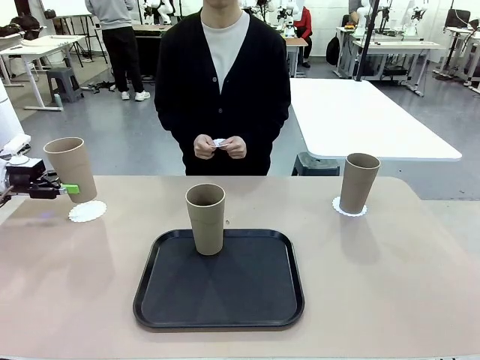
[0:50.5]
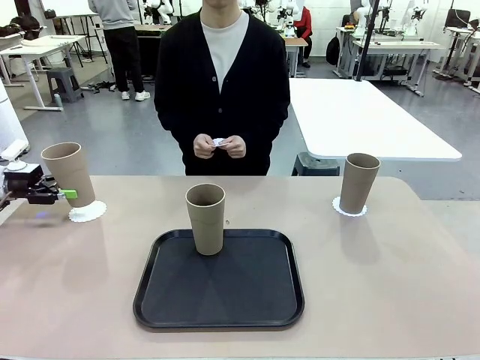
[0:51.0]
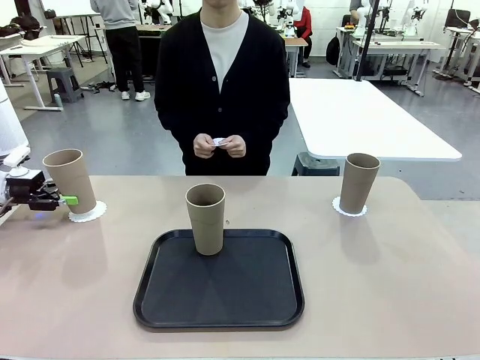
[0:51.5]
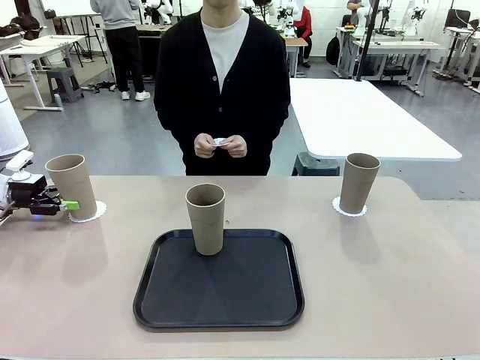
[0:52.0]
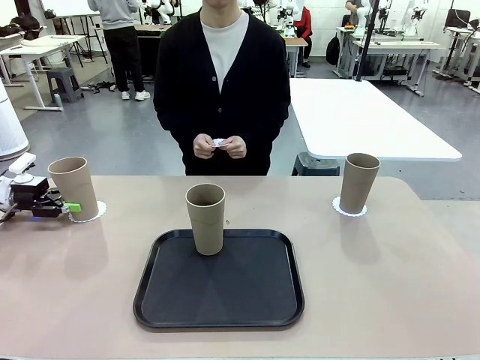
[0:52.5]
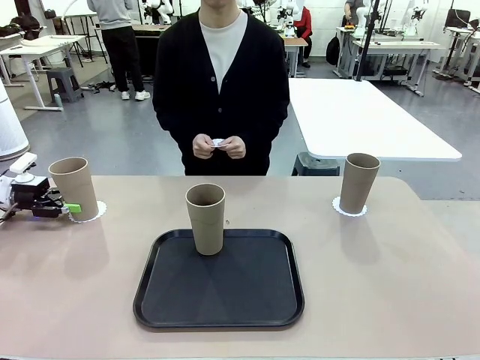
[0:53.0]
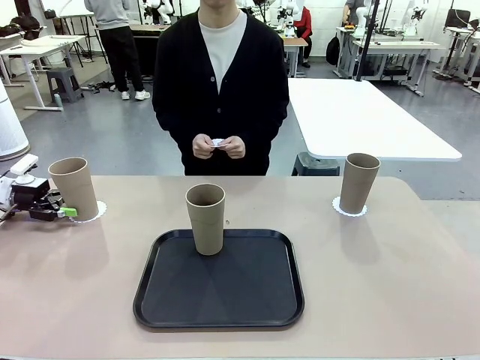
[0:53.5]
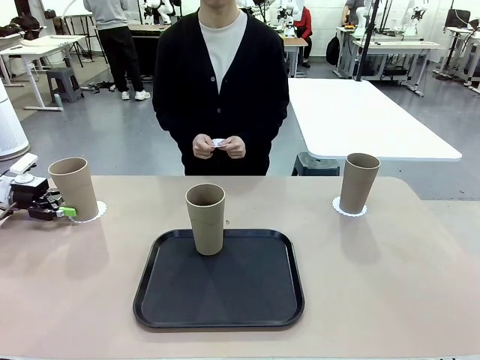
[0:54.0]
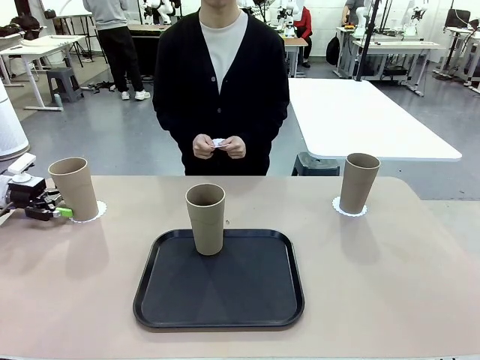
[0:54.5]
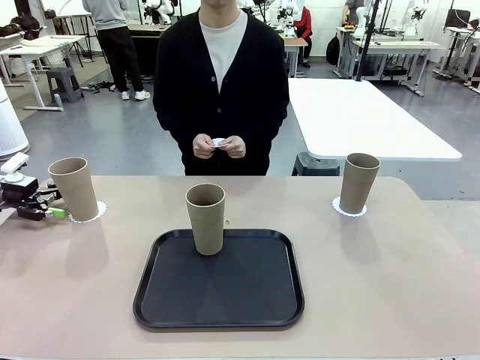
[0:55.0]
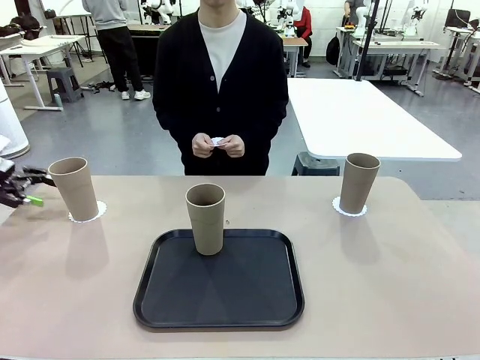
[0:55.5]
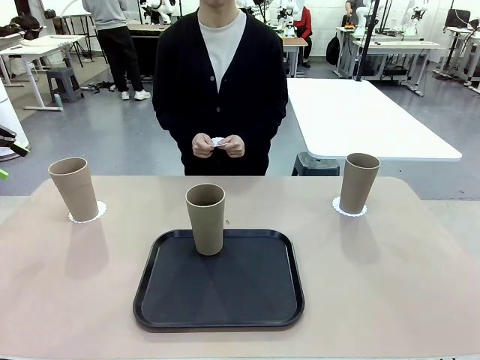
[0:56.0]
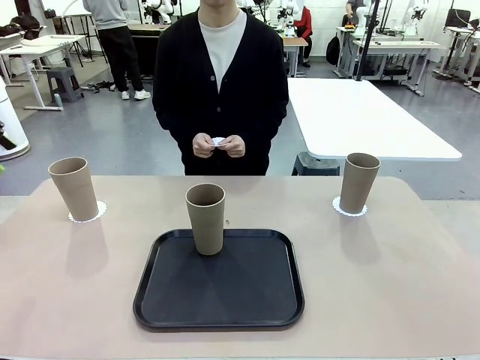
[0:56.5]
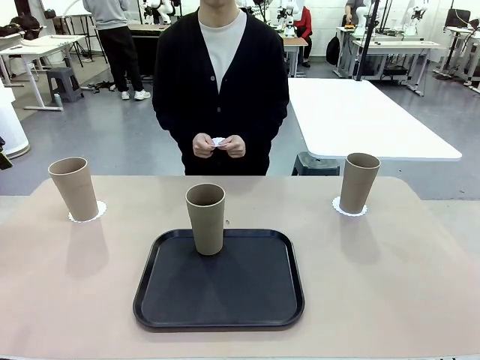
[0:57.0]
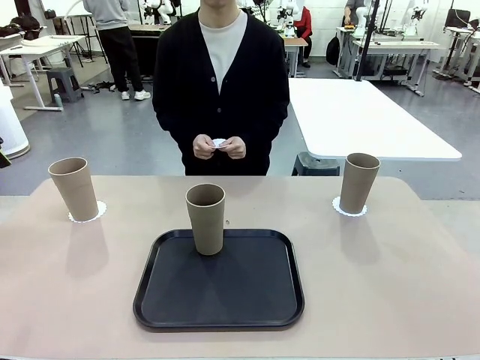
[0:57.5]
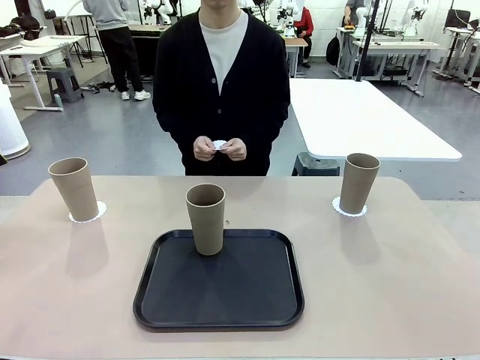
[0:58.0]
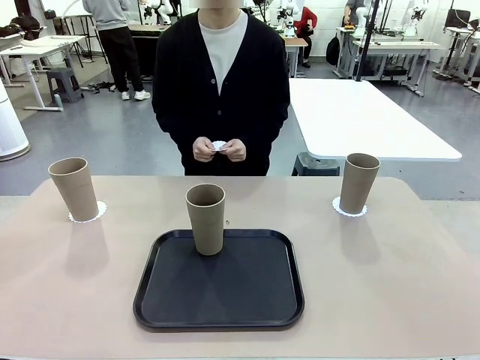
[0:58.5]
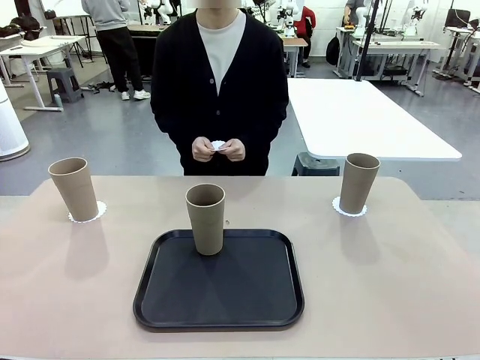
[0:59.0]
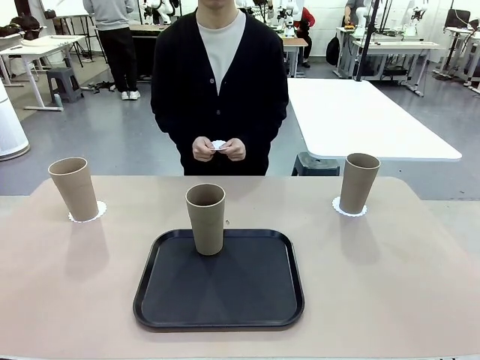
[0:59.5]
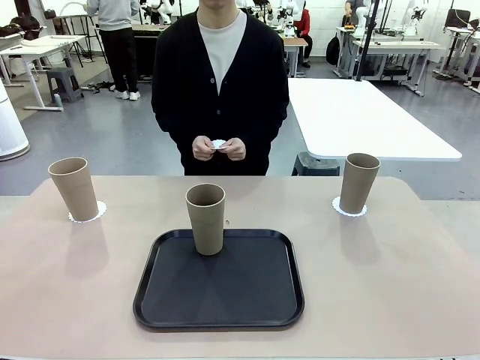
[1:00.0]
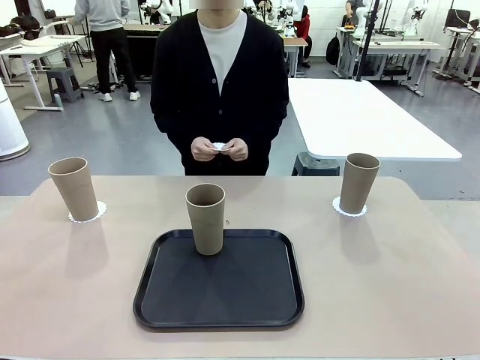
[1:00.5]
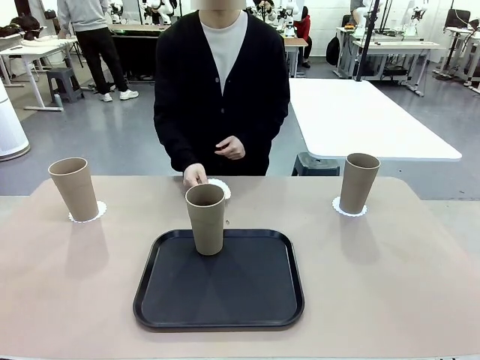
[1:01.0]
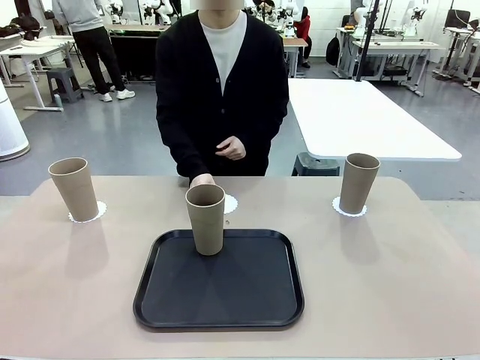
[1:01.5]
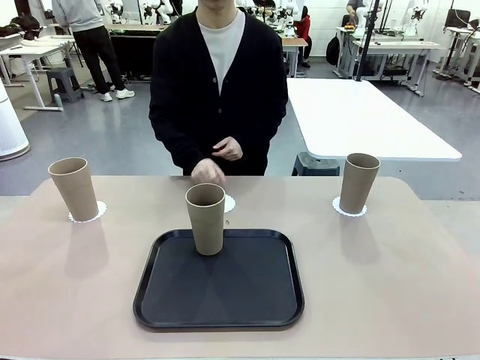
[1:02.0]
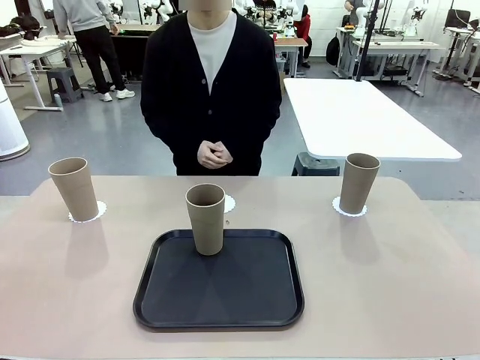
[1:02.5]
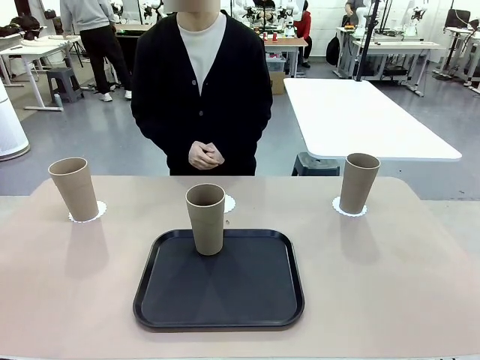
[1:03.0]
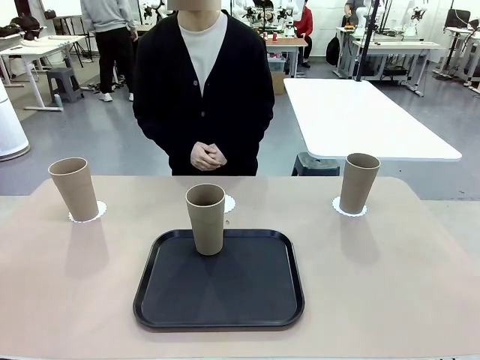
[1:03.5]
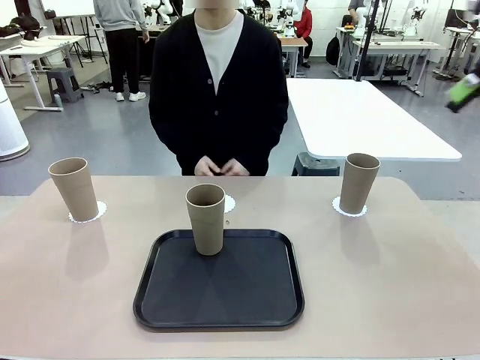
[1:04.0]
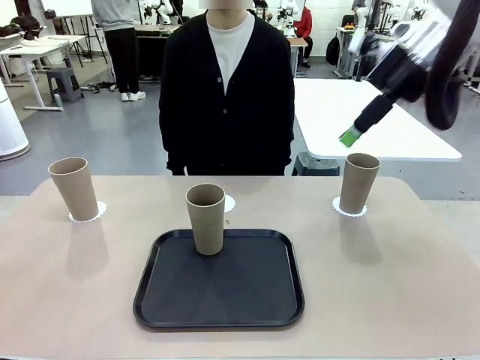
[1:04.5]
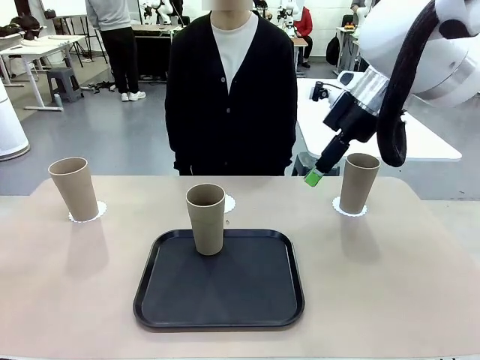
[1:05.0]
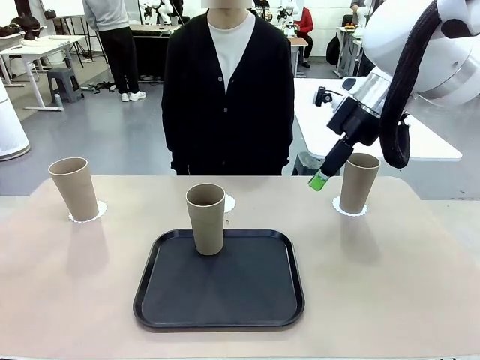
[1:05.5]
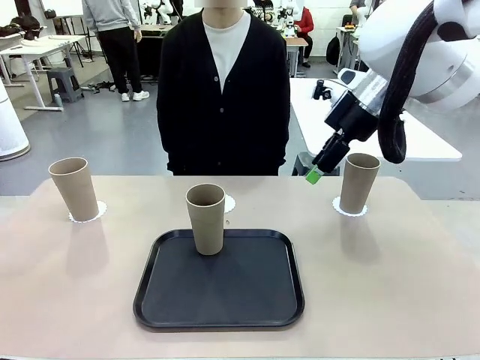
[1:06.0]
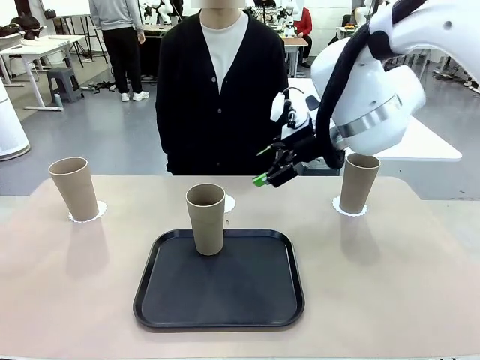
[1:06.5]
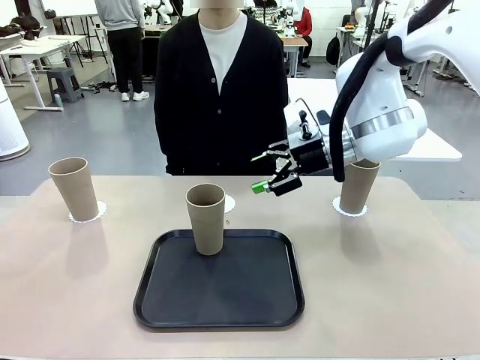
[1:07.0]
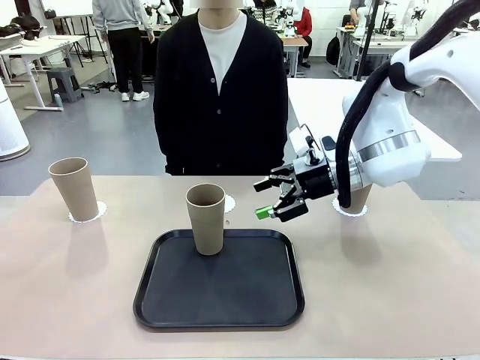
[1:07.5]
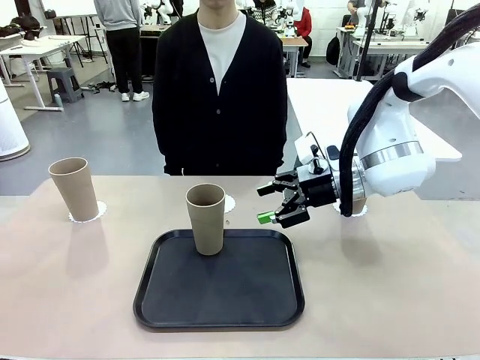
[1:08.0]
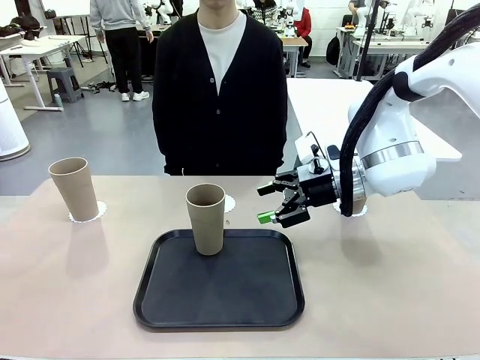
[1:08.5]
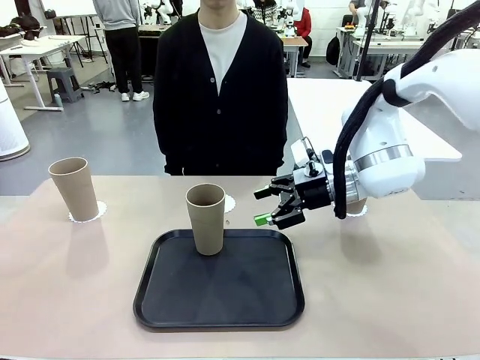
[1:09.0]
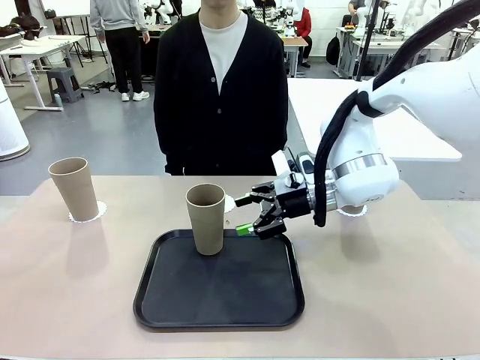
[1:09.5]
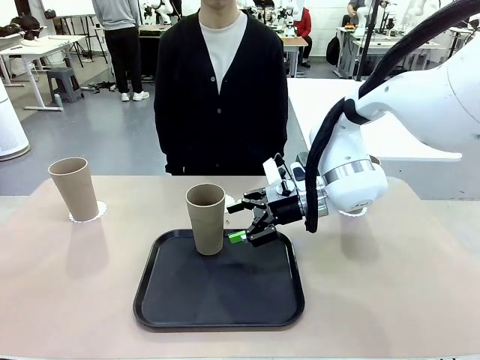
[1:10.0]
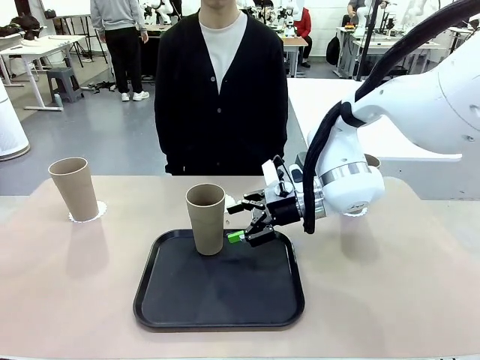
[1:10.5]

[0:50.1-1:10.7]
Task: Place coasters on the table and set cups on them.
Robot: Take one Reusable plastic cup from the Flat Tray and place it on a coaster set by the human.

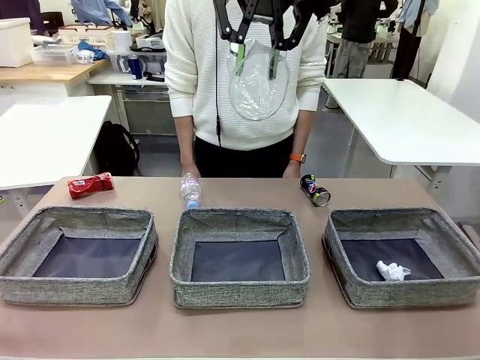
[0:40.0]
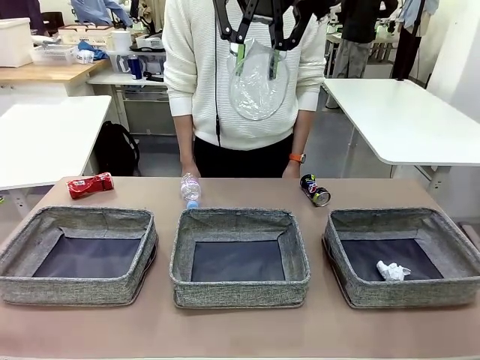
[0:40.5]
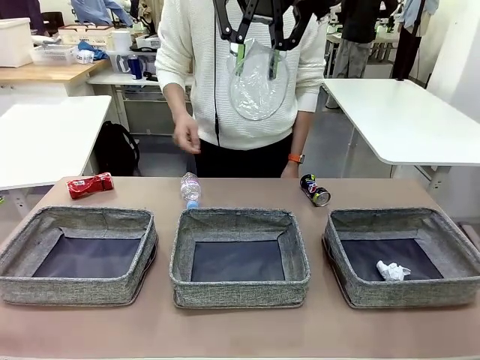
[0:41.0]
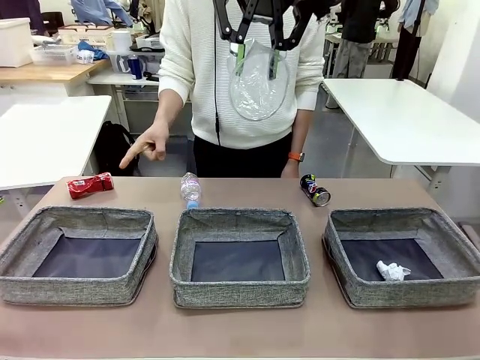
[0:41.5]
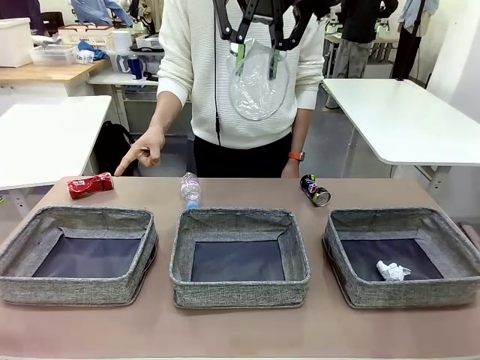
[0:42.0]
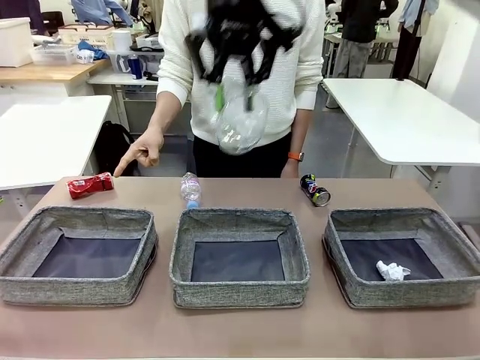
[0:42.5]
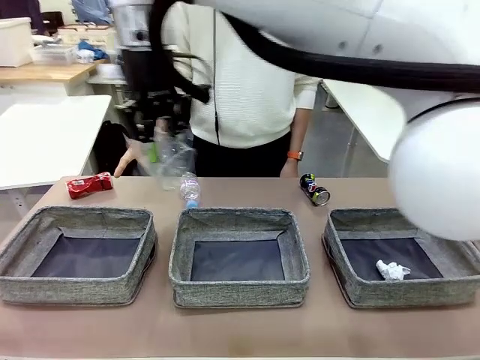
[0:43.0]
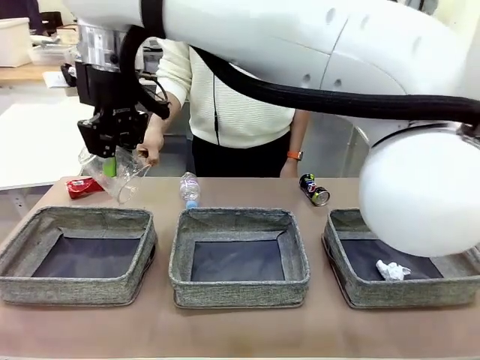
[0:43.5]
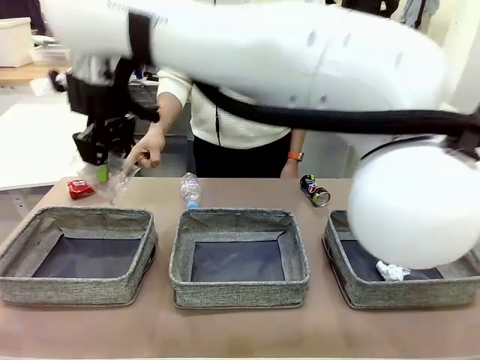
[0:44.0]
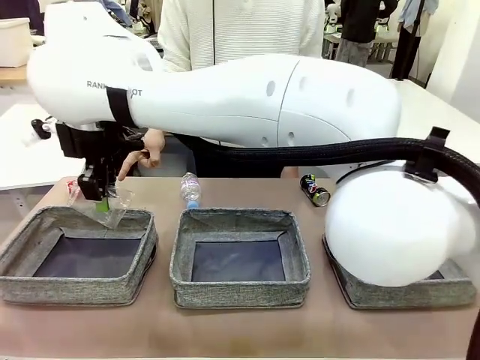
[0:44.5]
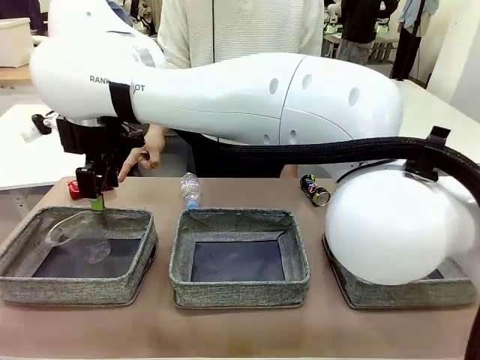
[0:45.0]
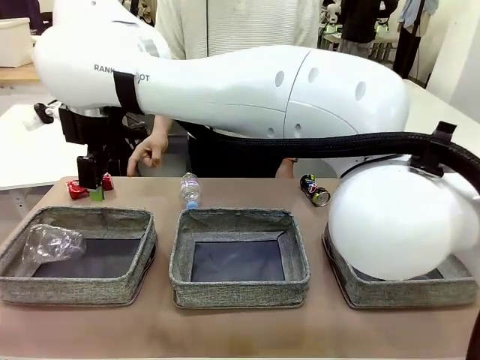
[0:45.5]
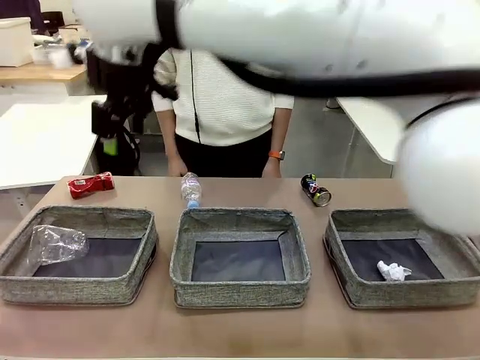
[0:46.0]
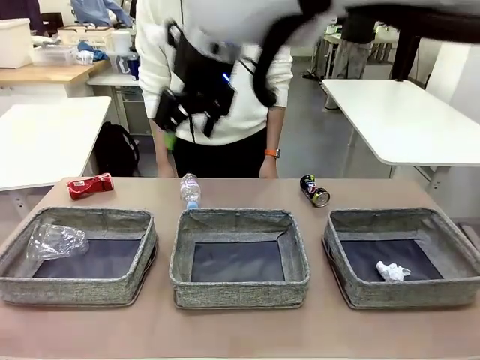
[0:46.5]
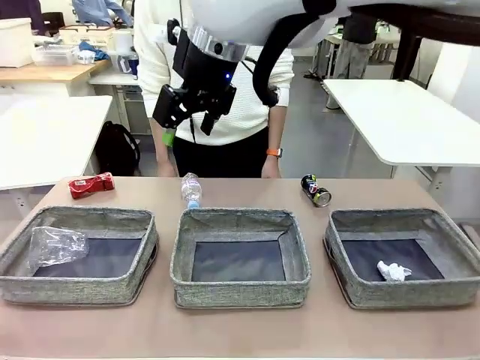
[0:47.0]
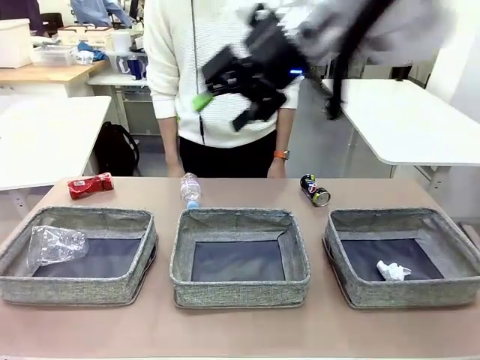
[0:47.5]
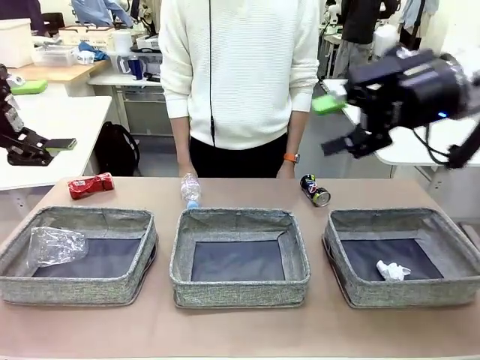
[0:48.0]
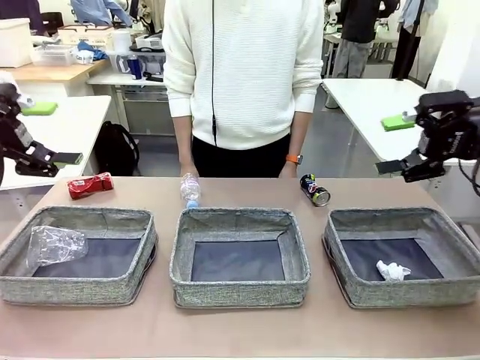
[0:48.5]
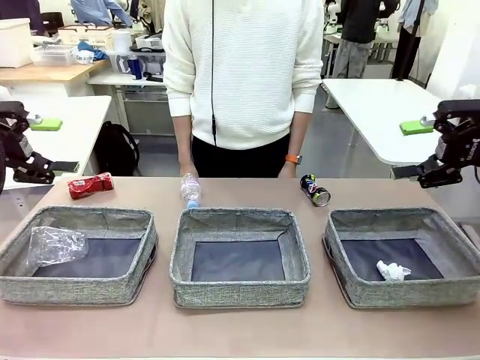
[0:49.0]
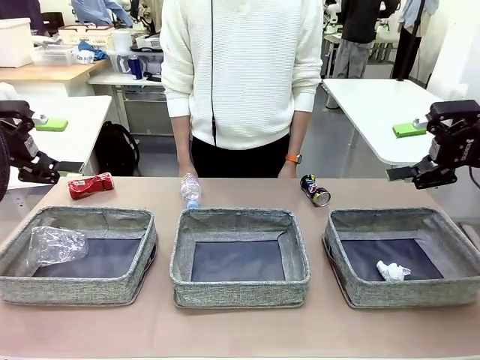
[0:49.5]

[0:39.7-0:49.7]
Task: Sort the waste into the appropriate baskets.
Robot: Place the picked waste into the Fabric basket indicated by the person.
Person: Instructs the robot to place the picked-up trash into the appropriate organizing basket.
